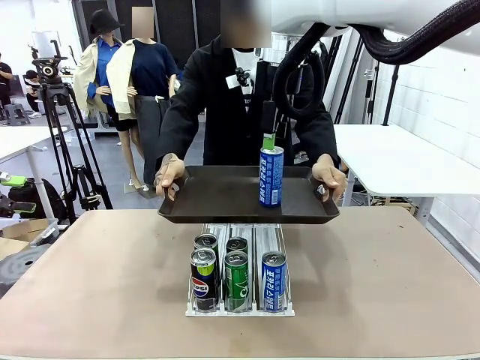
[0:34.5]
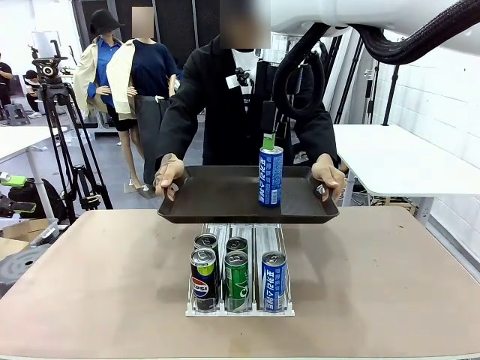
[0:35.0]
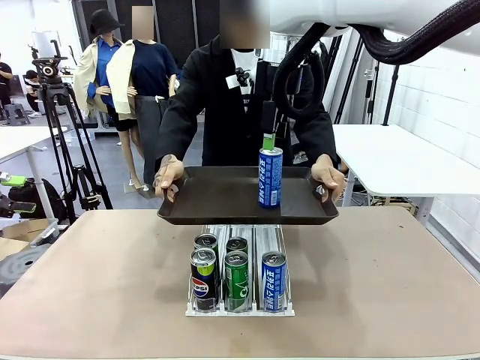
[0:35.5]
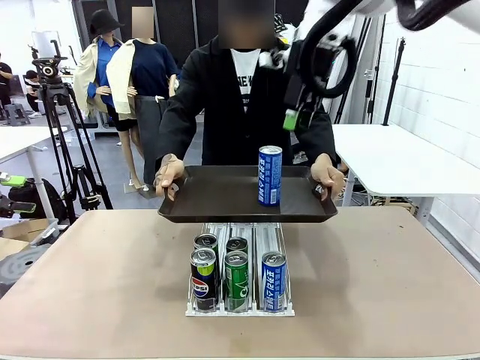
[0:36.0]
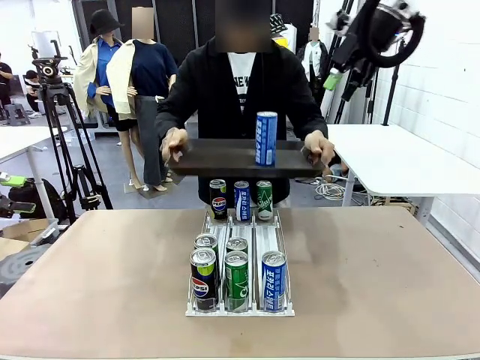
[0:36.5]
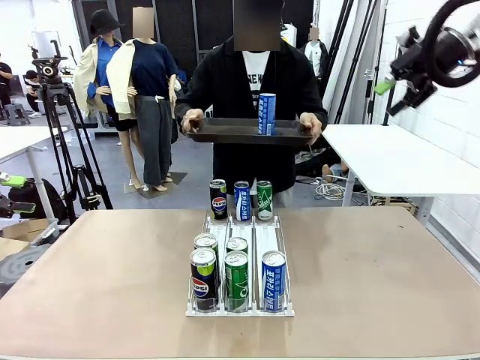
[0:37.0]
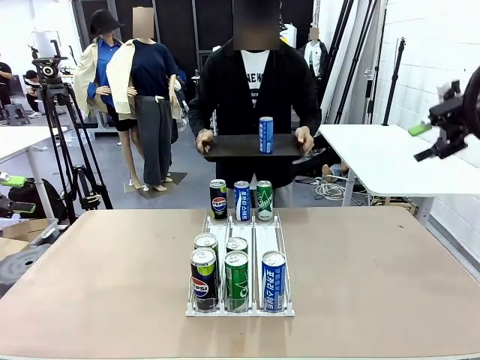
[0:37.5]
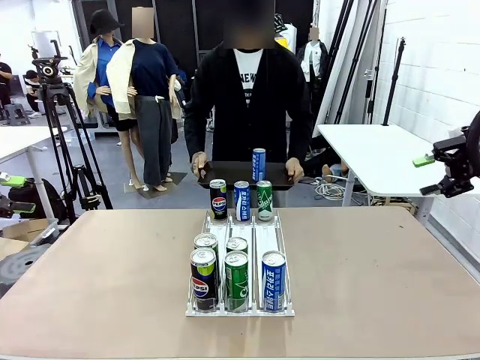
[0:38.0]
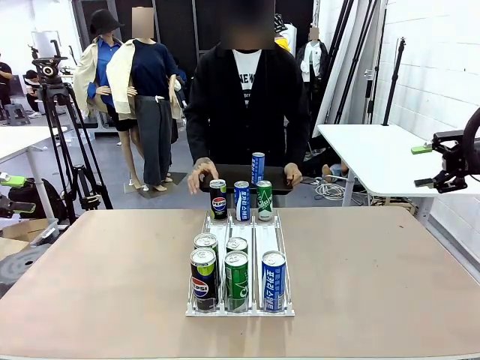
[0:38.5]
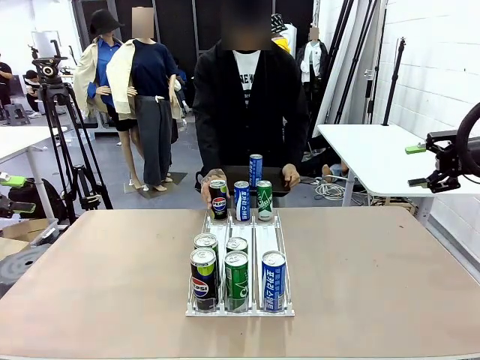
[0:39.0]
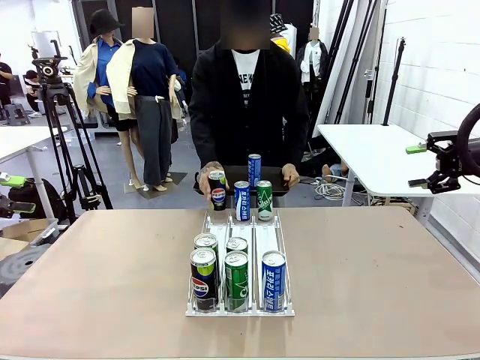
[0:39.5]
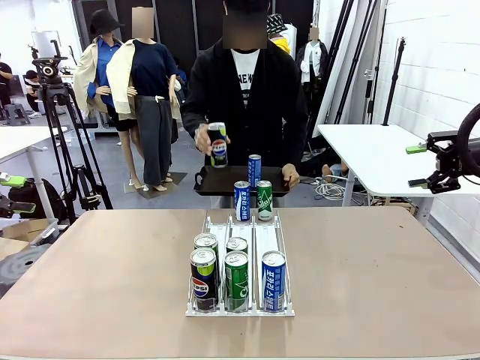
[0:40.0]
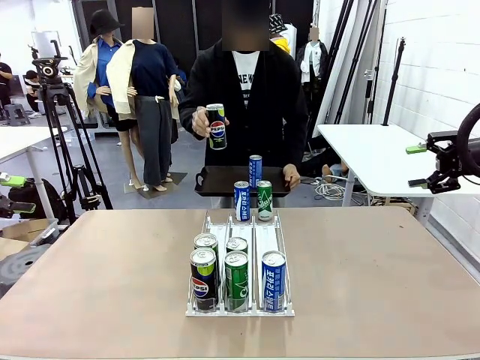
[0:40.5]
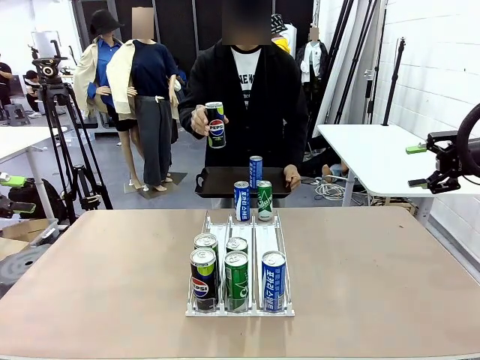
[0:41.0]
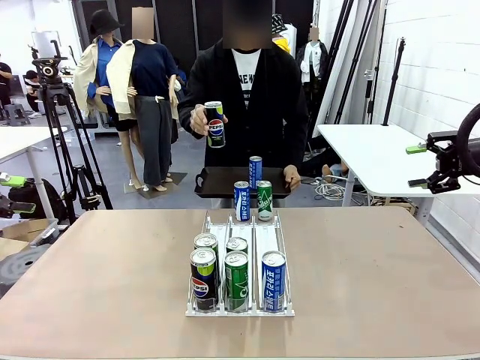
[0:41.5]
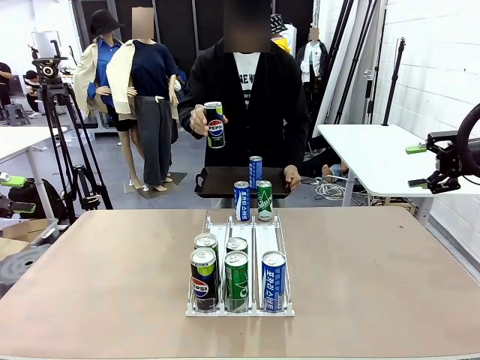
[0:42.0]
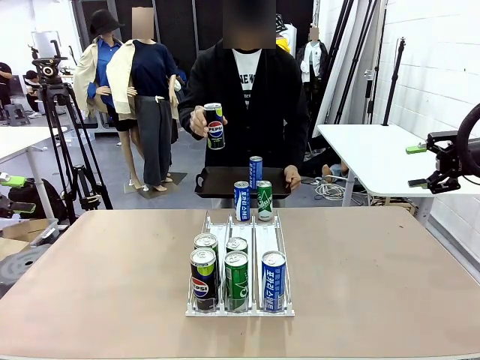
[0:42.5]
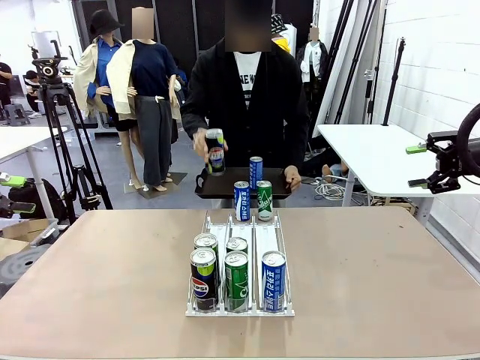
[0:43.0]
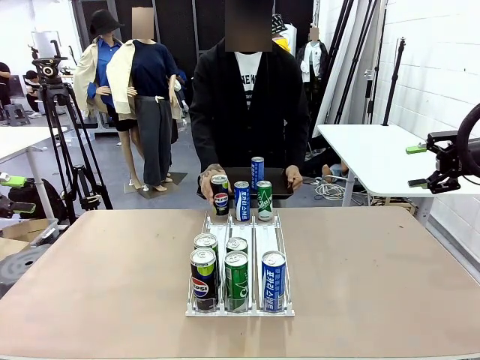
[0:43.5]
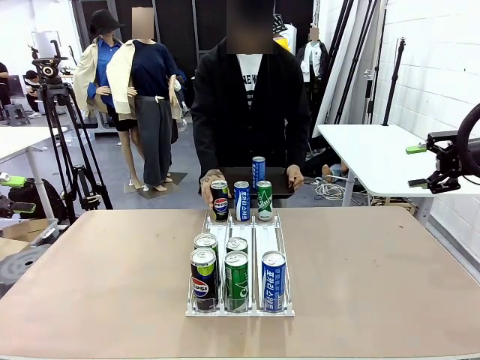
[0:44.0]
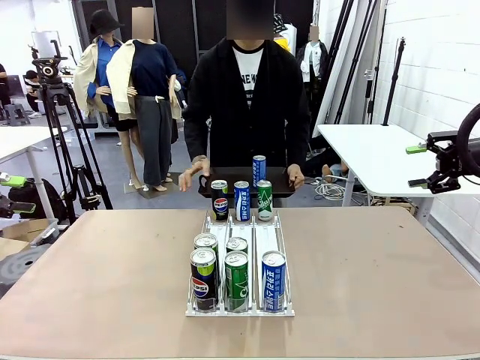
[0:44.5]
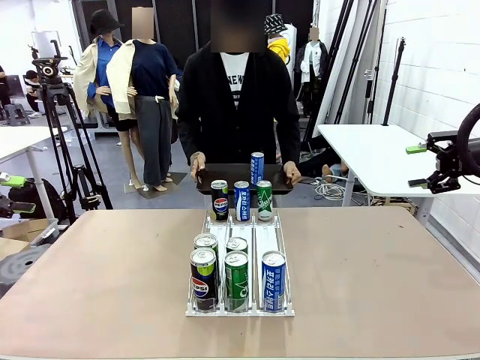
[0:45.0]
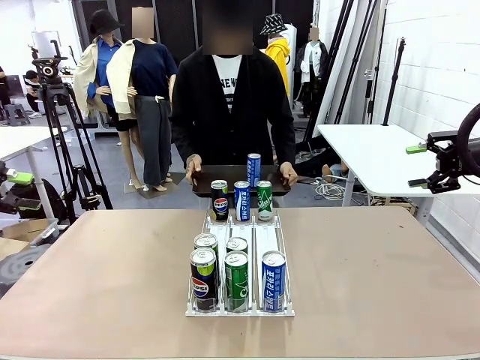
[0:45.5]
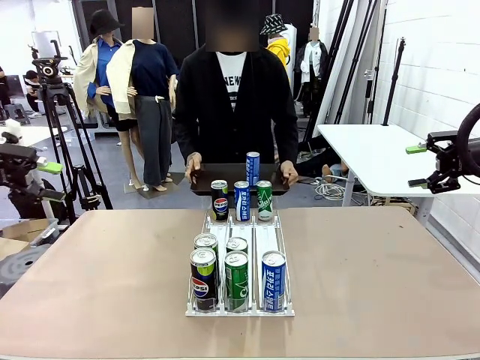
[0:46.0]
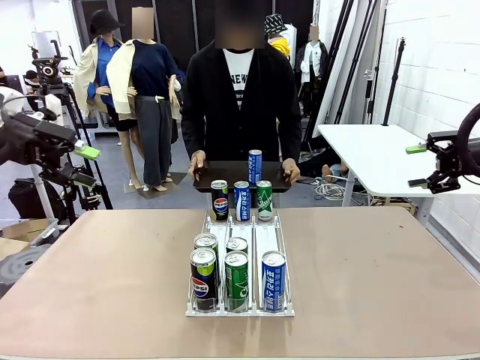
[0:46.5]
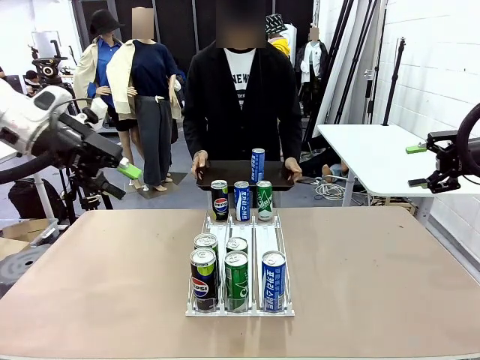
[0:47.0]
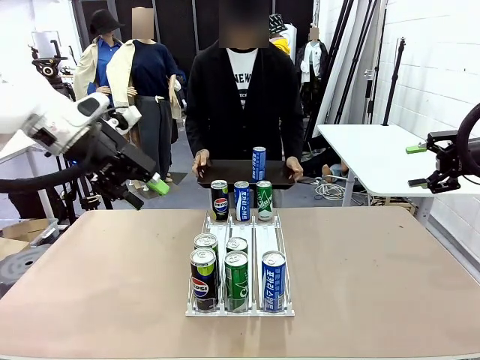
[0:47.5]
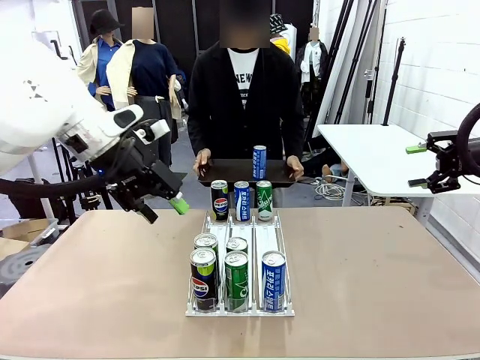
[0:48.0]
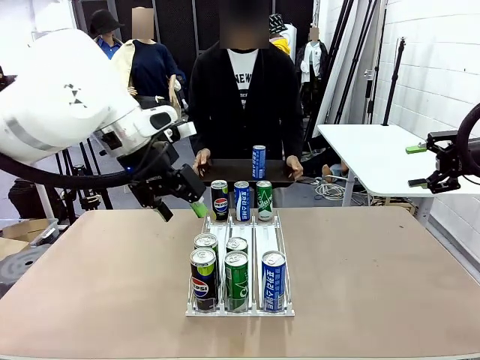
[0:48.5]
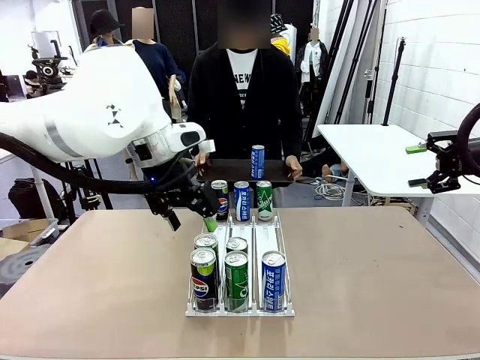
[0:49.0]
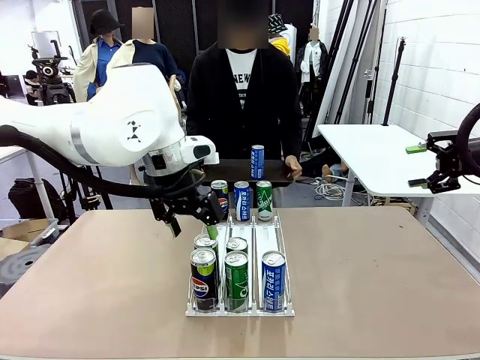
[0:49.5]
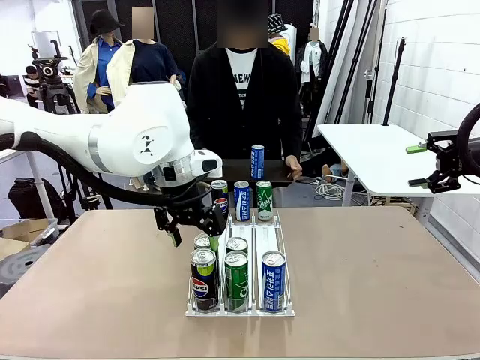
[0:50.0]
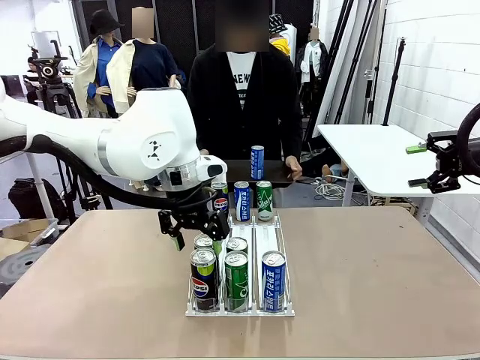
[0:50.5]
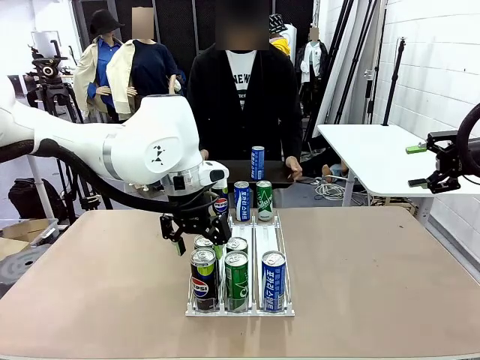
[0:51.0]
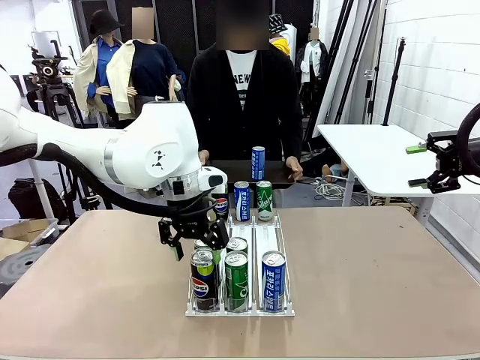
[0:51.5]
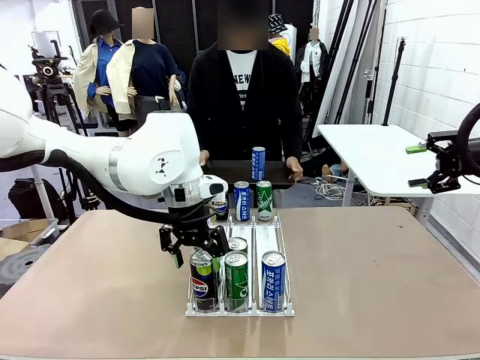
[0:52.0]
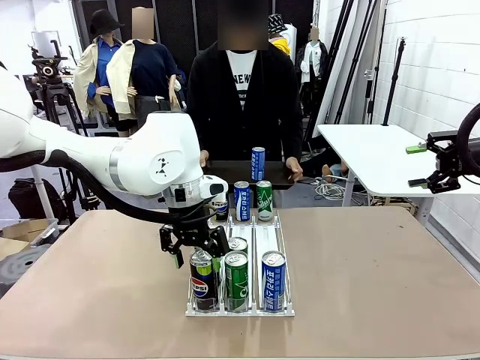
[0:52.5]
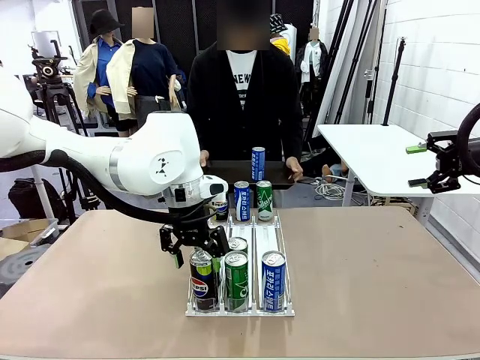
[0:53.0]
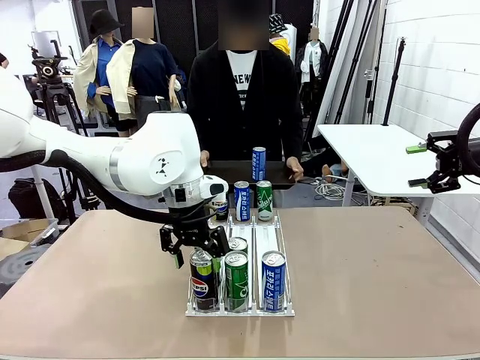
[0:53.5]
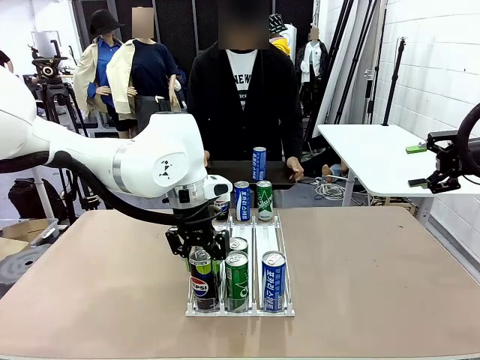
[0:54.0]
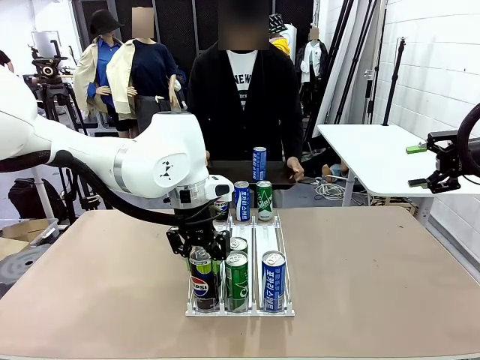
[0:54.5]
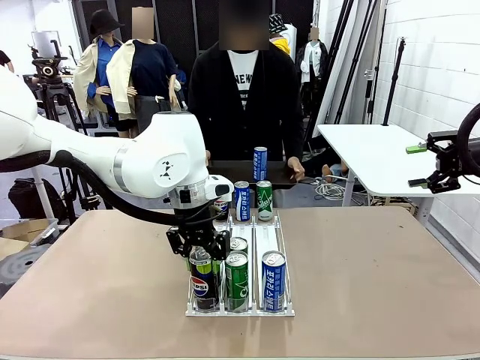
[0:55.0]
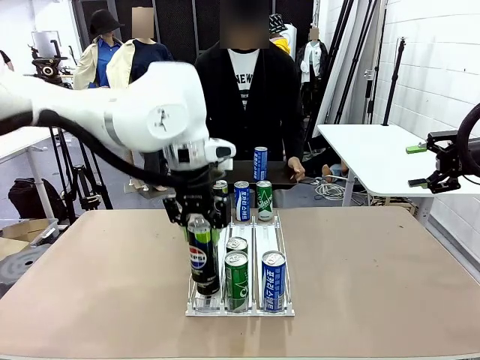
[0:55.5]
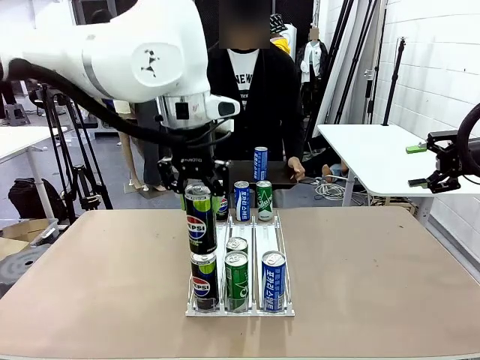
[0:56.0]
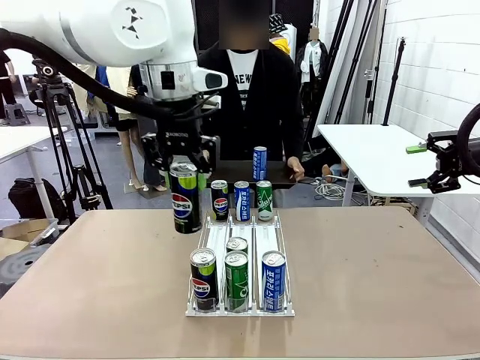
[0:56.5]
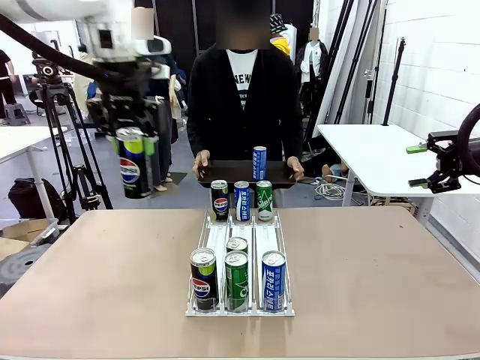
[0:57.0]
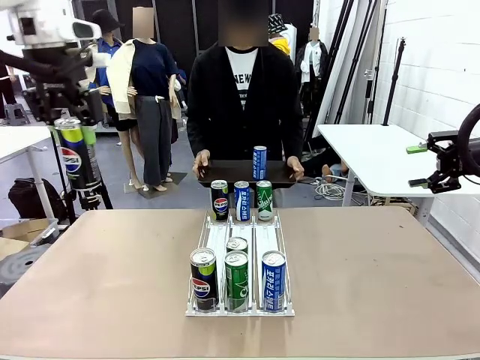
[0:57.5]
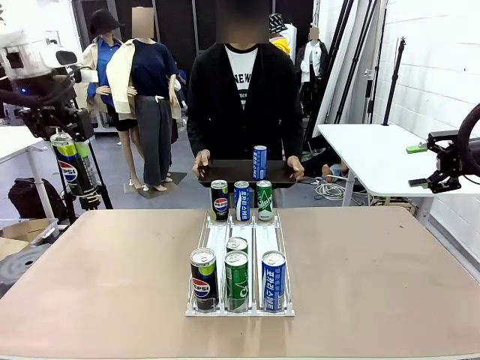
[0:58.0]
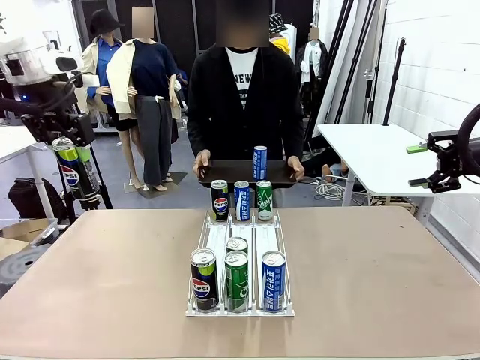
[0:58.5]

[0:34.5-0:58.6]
Task: Retrieve and hand over the desired beverage to the person.
Robot: Pick up another can of the same type that the person held from the Automatic Can Dispenser.
Person: Pull the tray back, then pick up another can from the bottom area of the table and puts it back in its original place. Push the tray toward the robot again.
